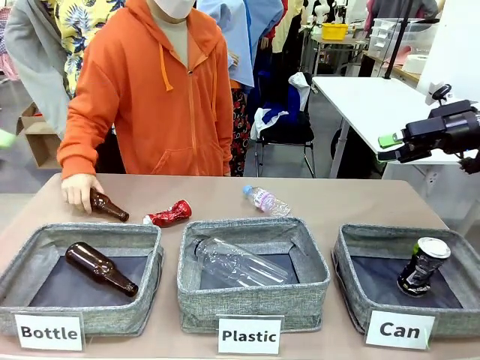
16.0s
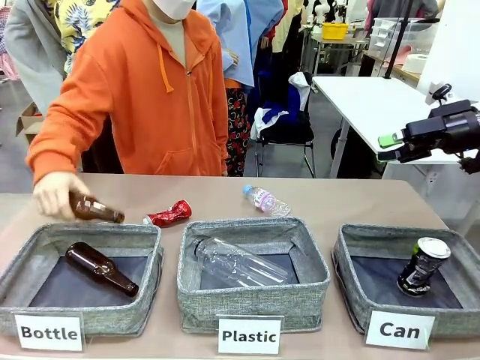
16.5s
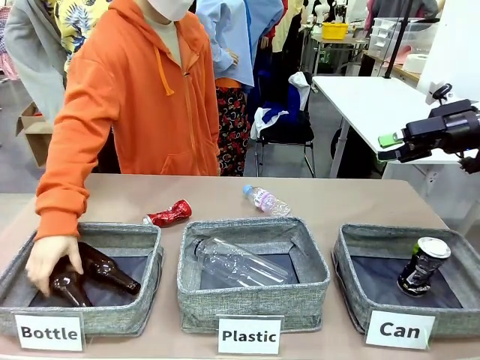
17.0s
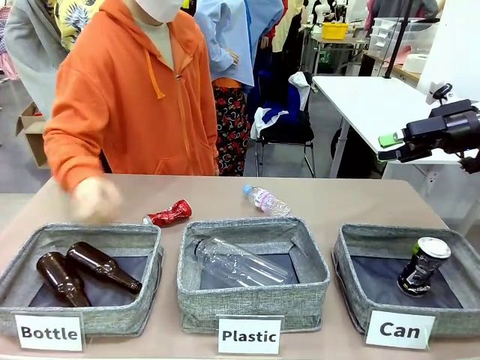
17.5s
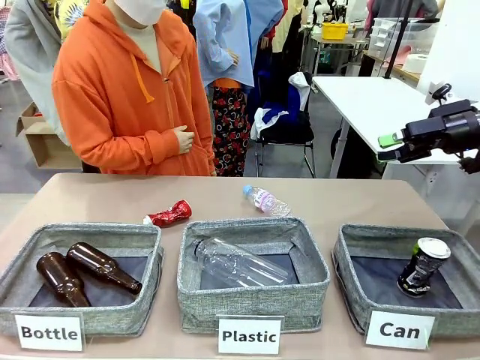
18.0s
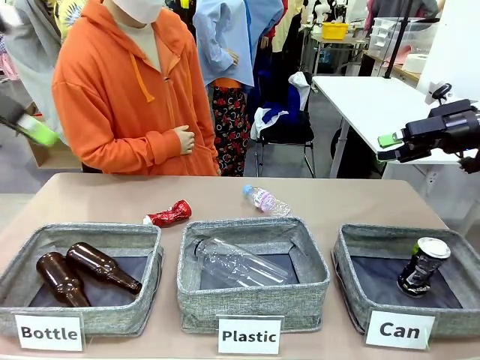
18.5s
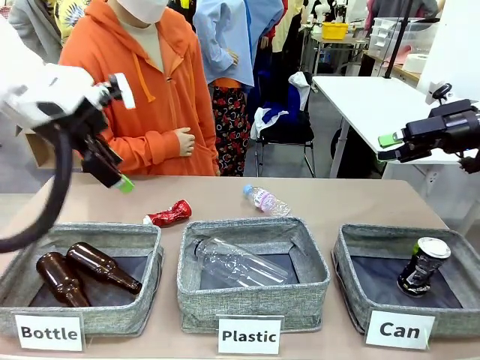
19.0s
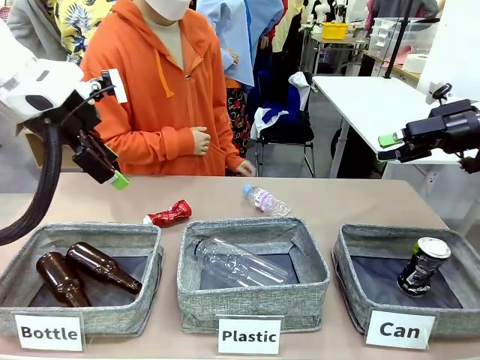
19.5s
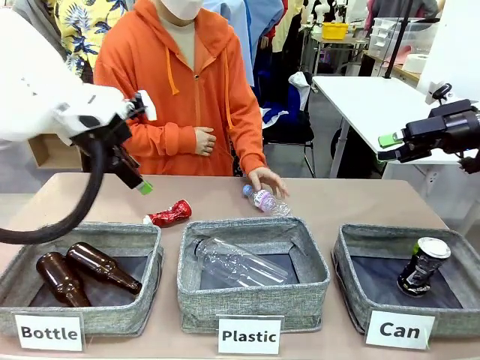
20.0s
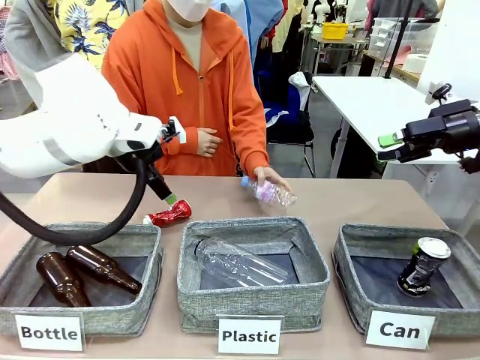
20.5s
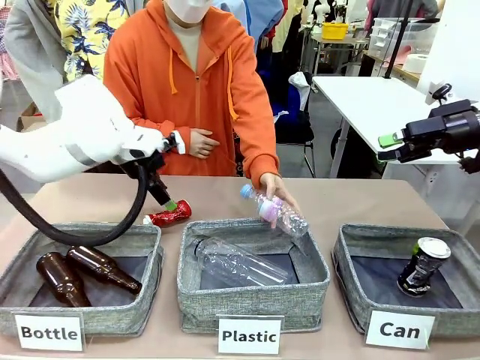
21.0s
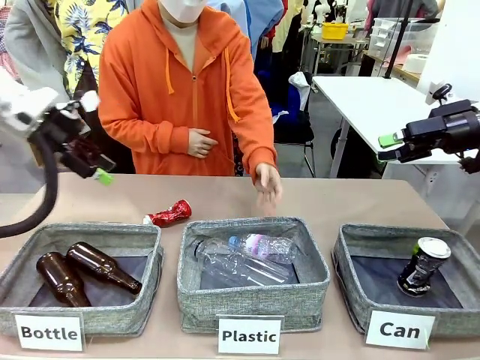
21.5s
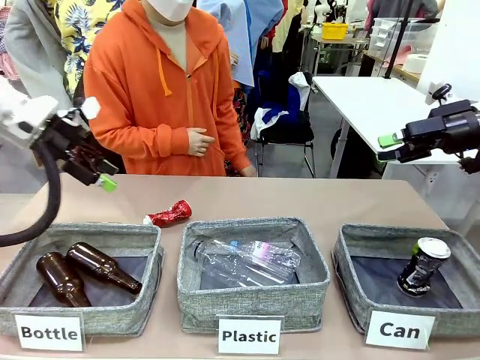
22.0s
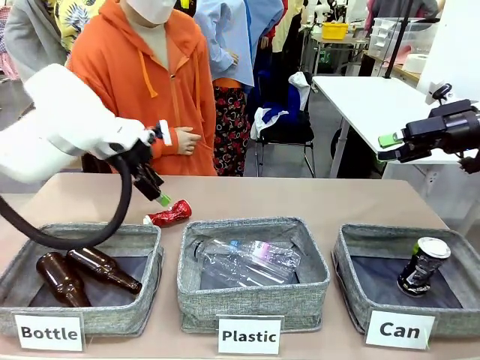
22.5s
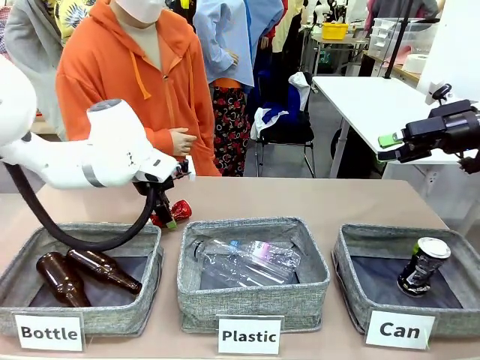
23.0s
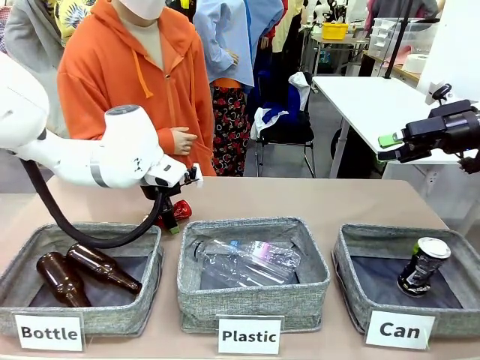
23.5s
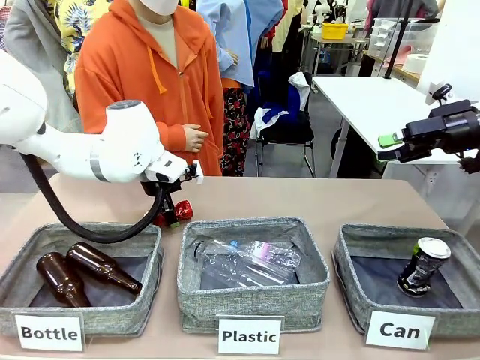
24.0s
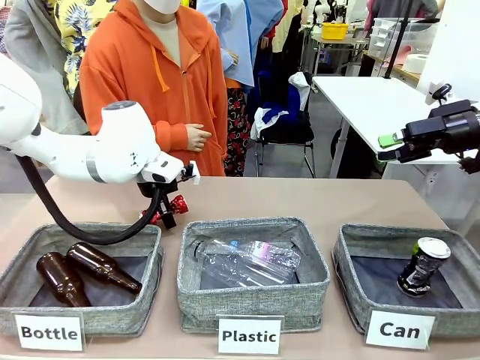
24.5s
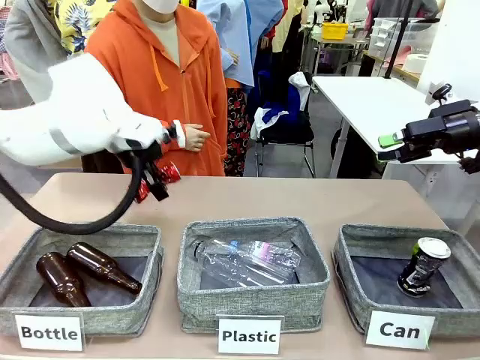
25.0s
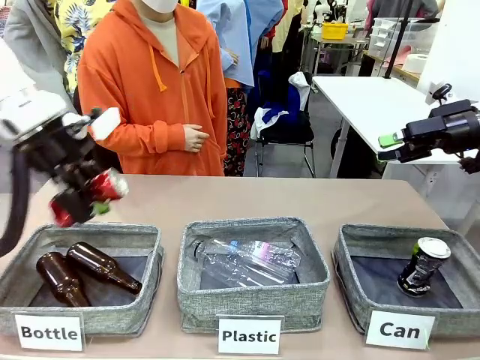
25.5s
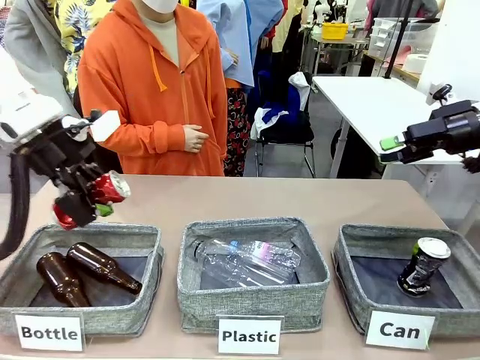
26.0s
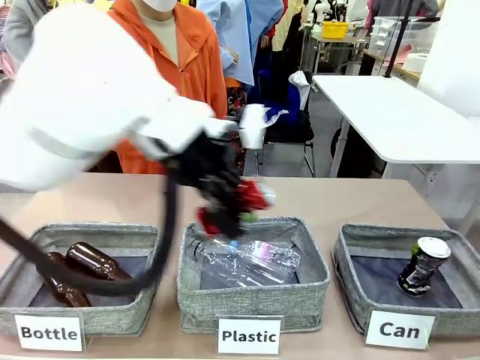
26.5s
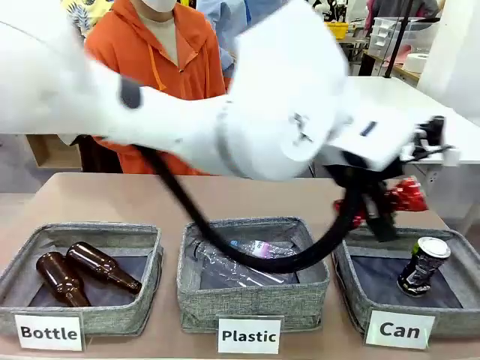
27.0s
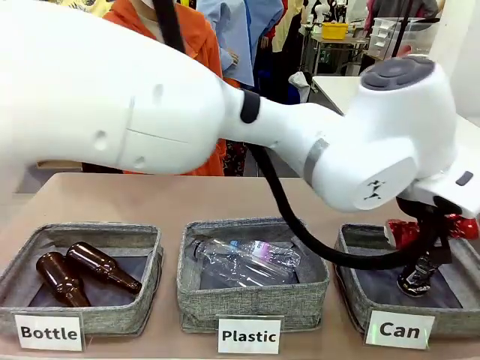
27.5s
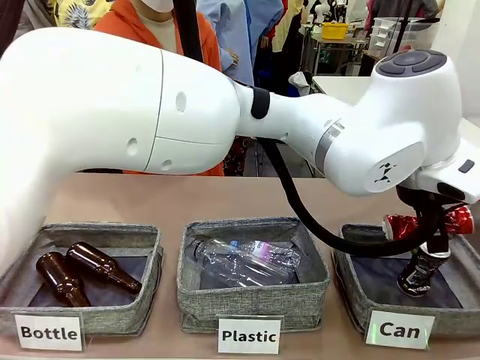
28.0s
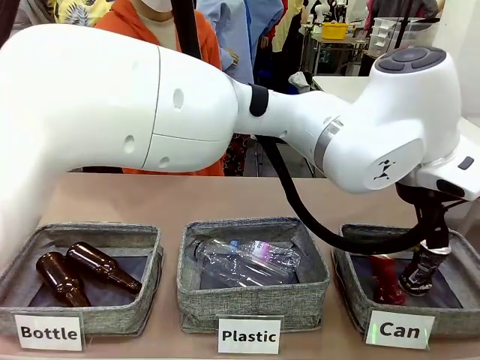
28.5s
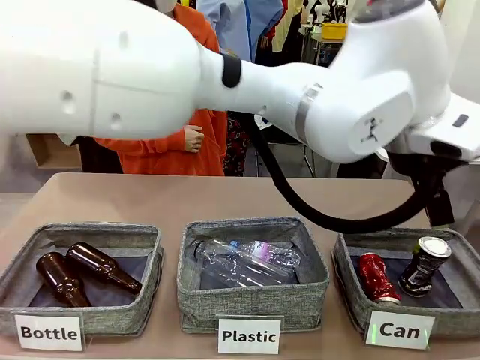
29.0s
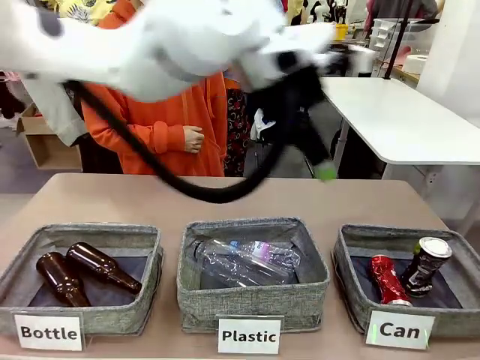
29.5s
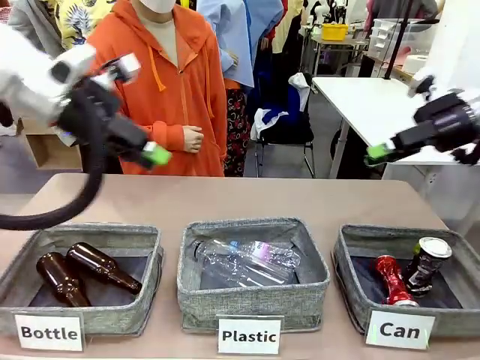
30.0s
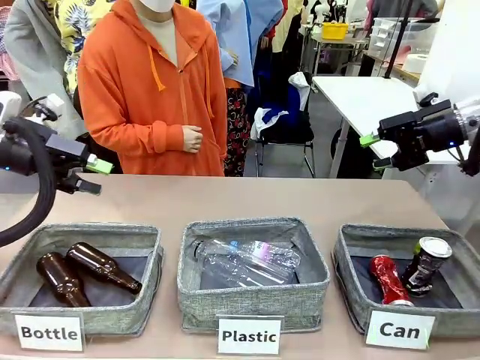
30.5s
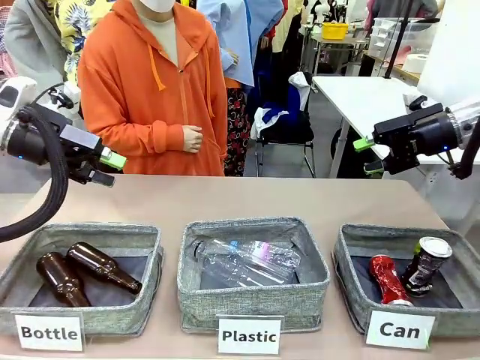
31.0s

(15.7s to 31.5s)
Task: Sort the can waste into the basket.
Robot: Pick up the can waste from the table and place it in the right Fabric basket.
Person: The human picks up one piece of trash that is not a can and places the trash into the appropriate organizing basket.

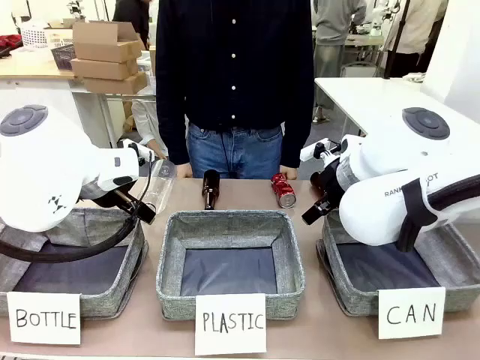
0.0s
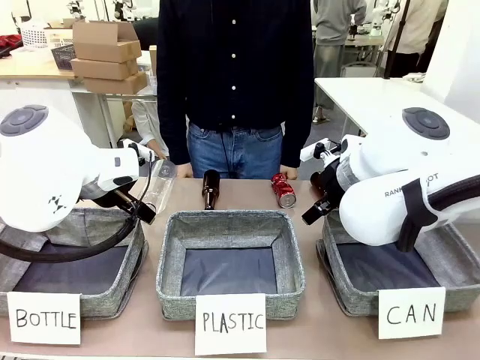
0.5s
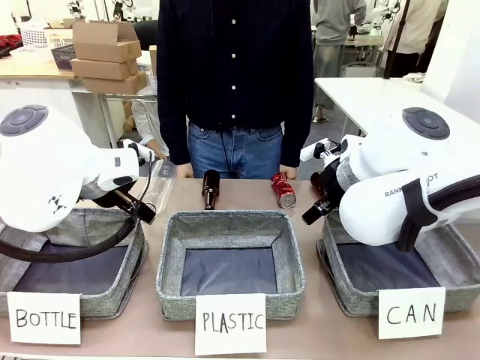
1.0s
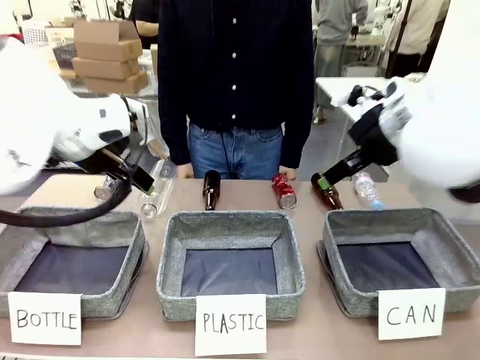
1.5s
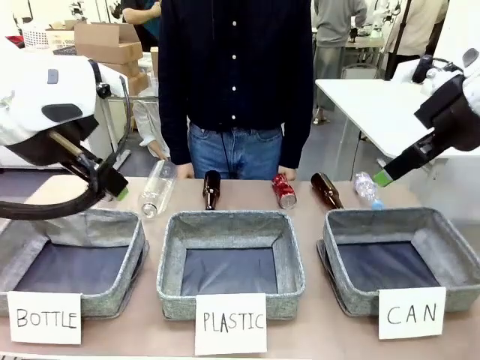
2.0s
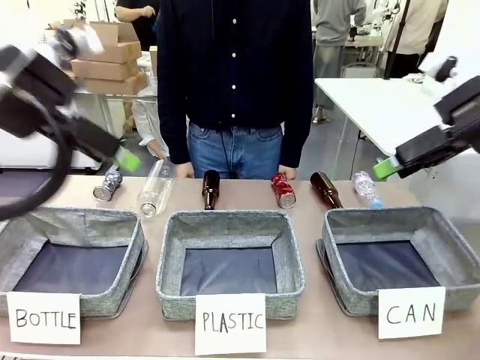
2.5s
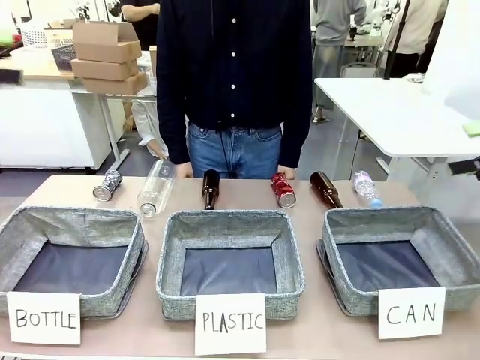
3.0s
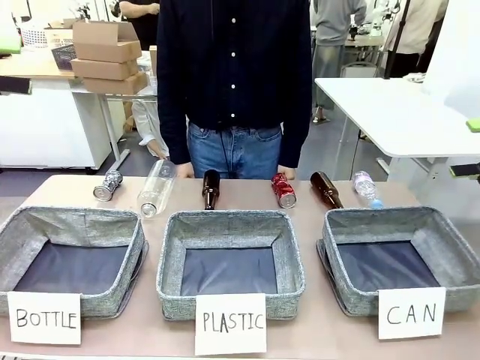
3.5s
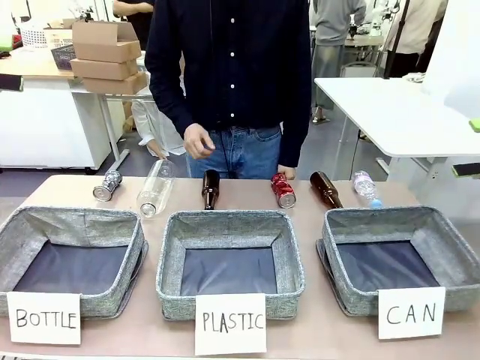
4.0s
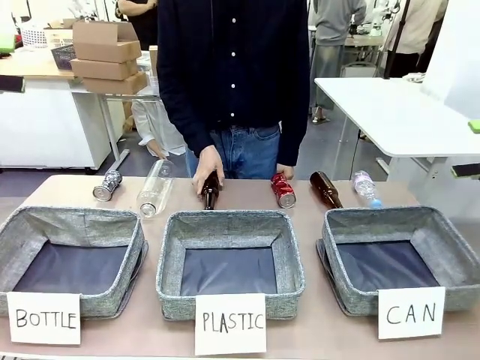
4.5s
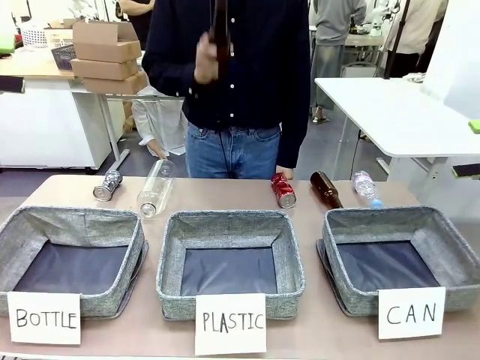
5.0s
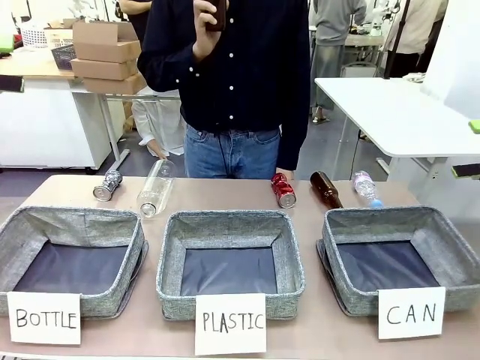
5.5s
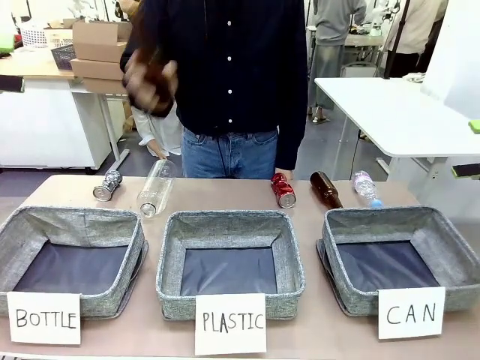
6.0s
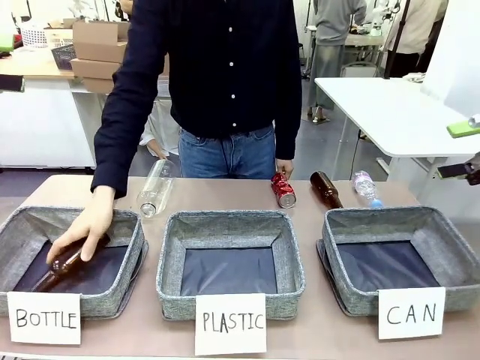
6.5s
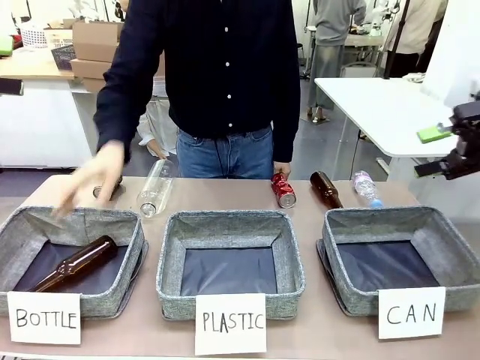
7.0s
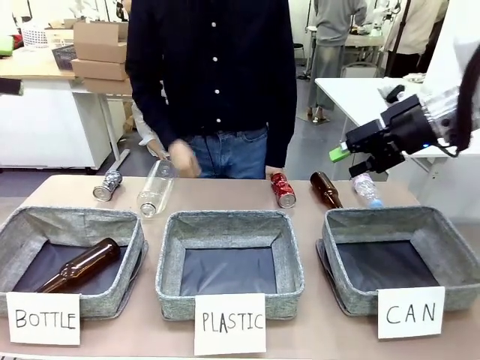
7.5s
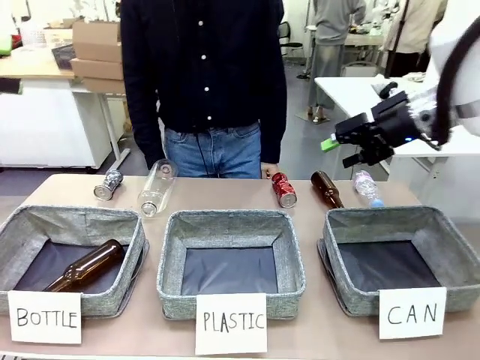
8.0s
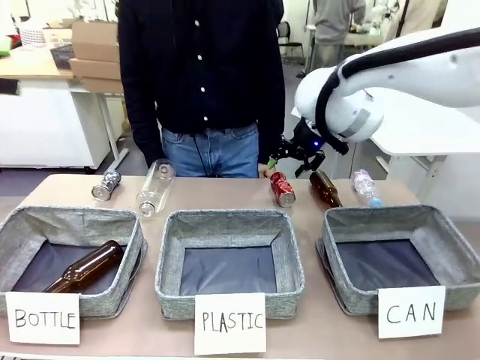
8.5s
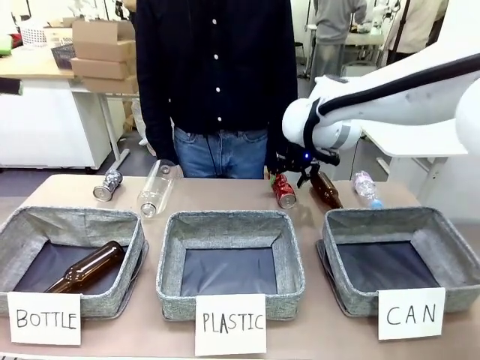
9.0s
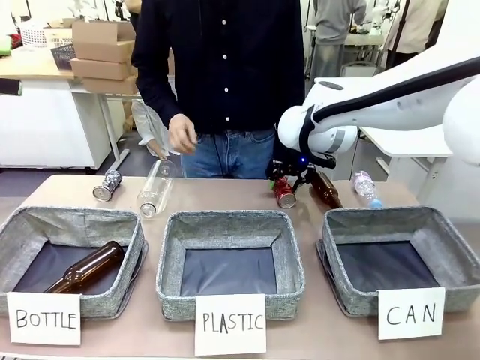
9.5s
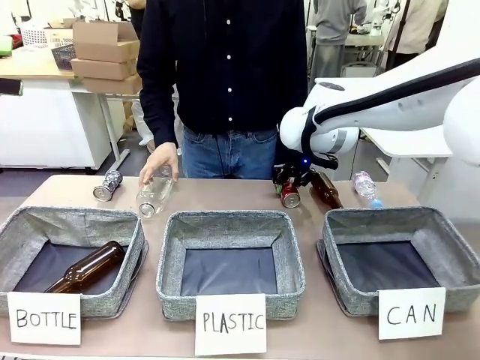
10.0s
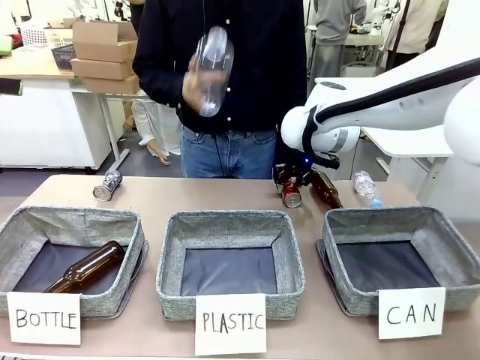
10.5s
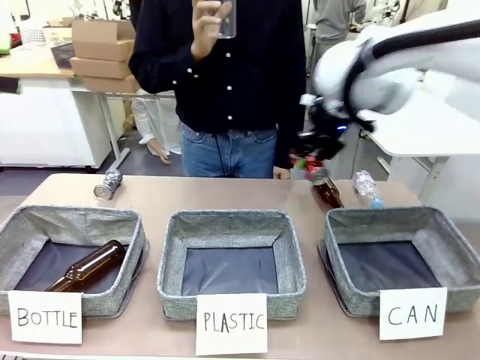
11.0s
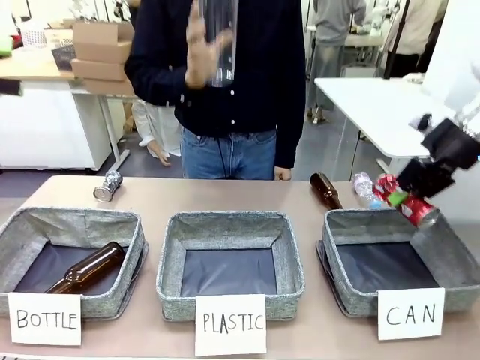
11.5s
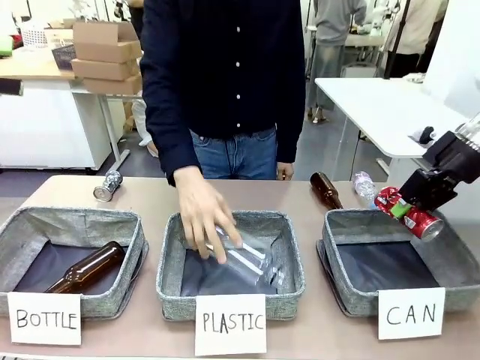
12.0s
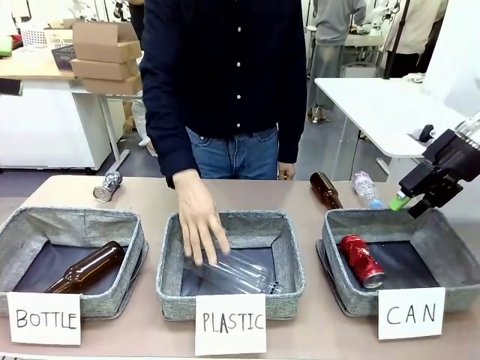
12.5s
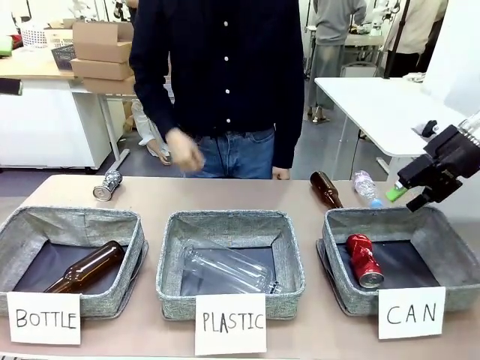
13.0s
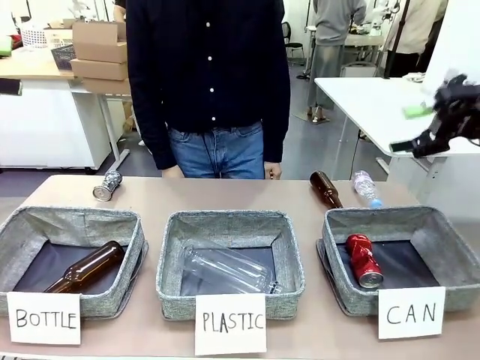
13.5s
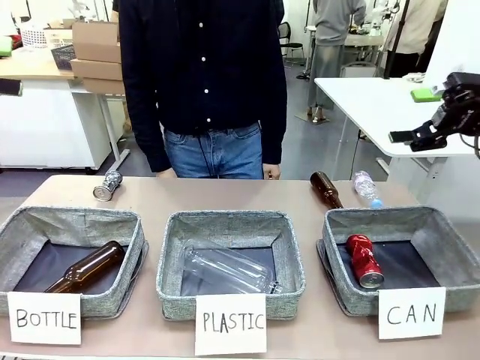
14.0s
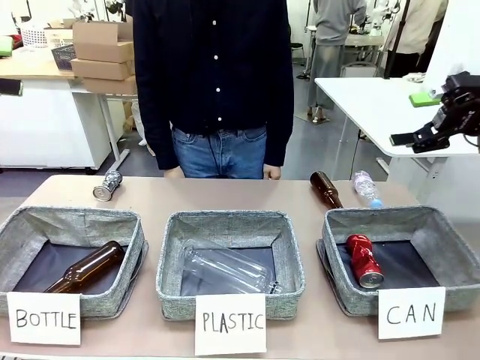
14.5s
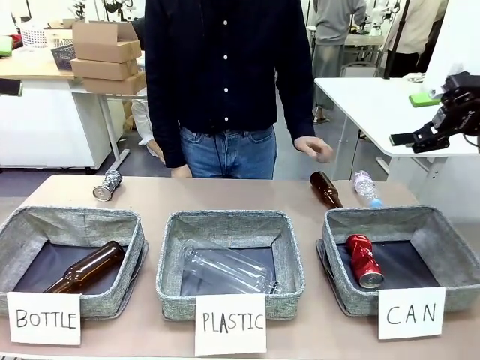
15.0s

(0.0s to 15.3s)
Task: Sort the can waste into the basket.
Robot: Pick up the can waste from the table and place it in the right Fabric basket.
